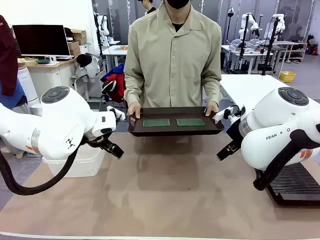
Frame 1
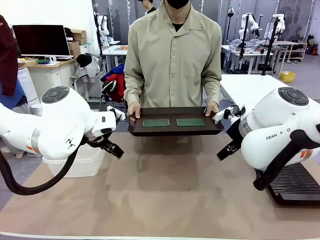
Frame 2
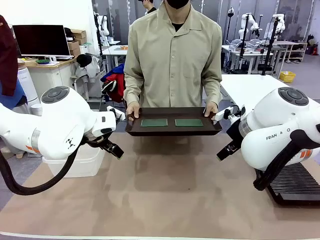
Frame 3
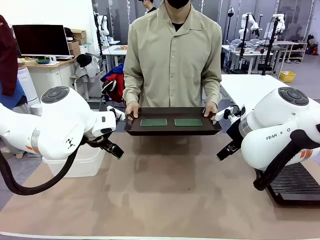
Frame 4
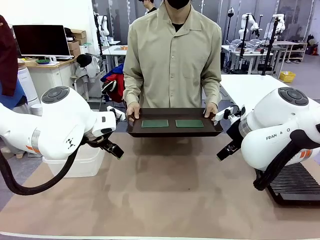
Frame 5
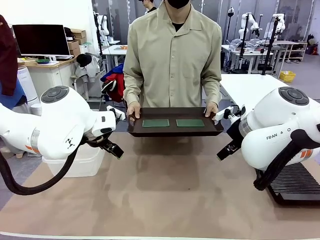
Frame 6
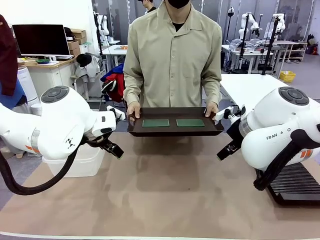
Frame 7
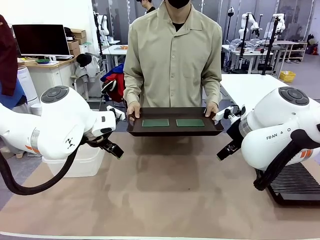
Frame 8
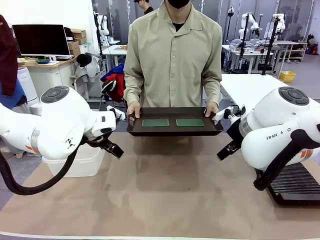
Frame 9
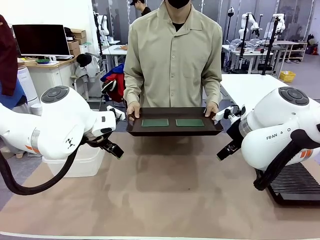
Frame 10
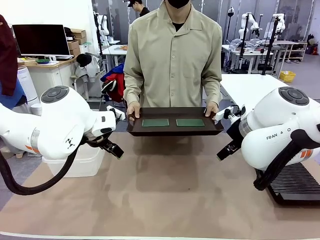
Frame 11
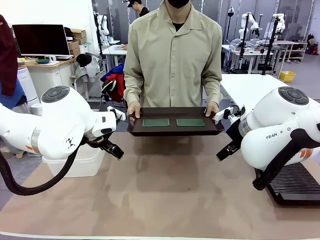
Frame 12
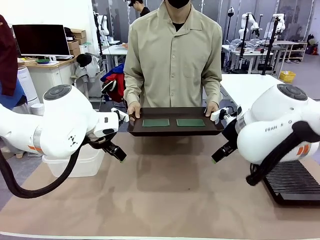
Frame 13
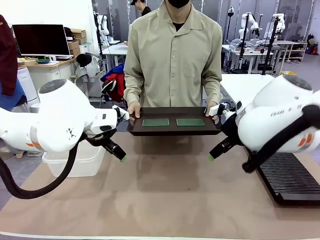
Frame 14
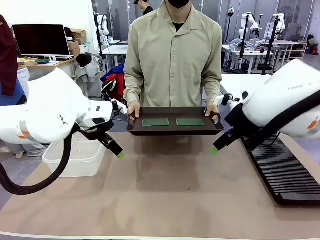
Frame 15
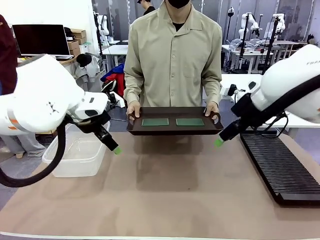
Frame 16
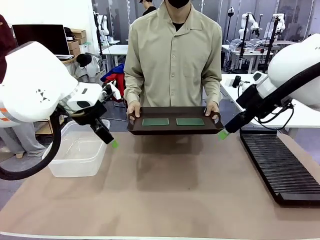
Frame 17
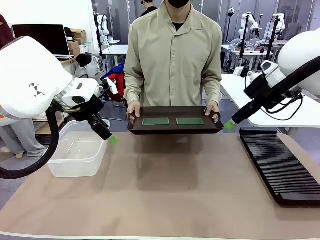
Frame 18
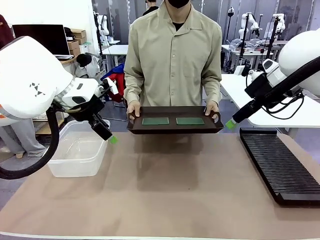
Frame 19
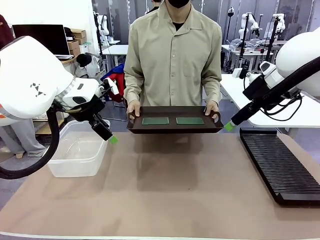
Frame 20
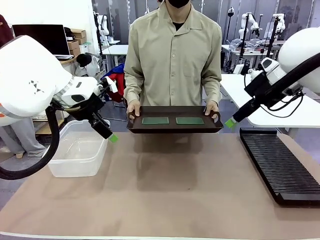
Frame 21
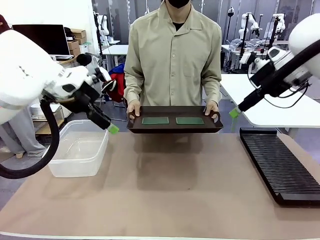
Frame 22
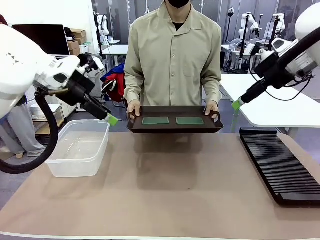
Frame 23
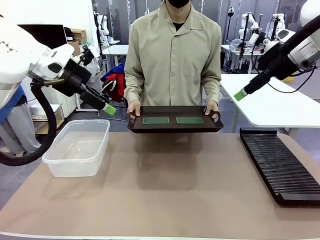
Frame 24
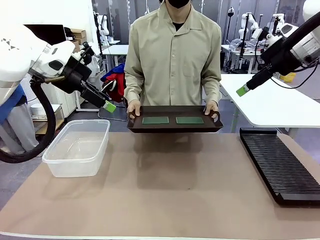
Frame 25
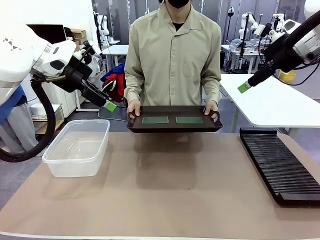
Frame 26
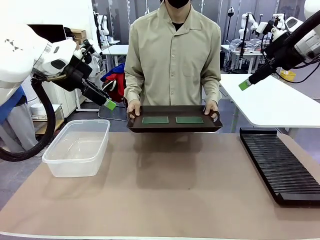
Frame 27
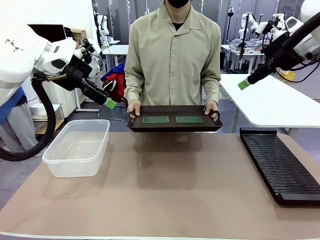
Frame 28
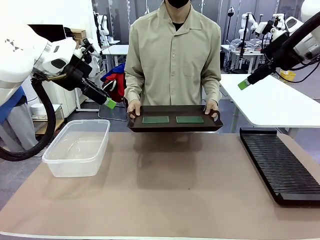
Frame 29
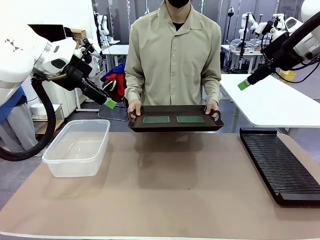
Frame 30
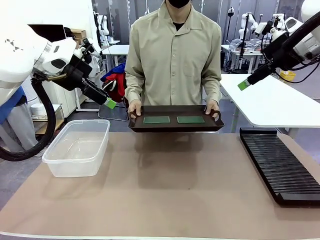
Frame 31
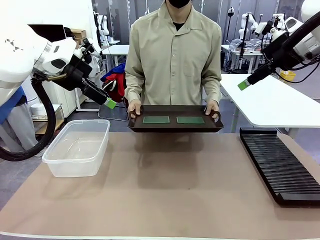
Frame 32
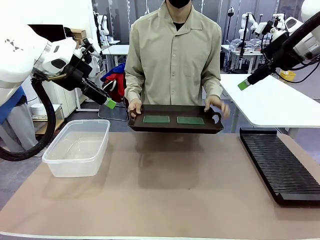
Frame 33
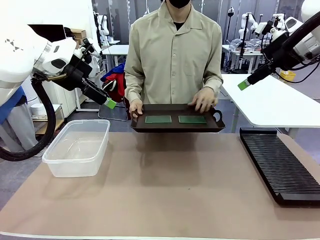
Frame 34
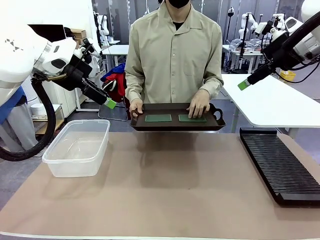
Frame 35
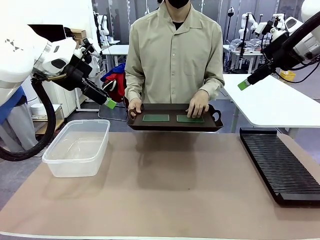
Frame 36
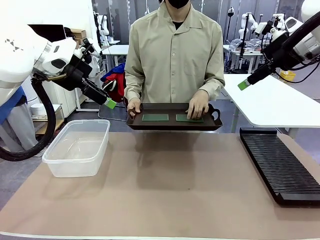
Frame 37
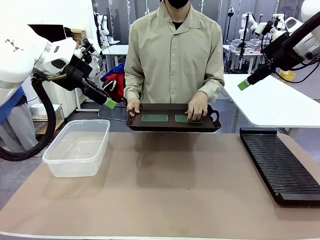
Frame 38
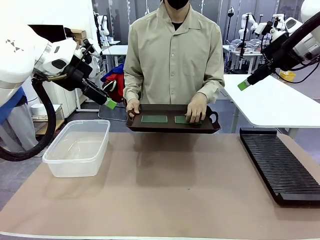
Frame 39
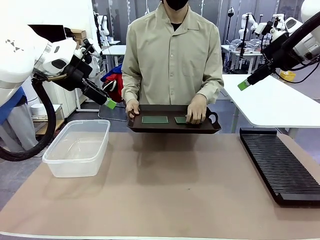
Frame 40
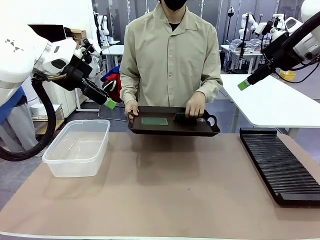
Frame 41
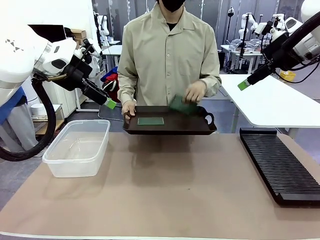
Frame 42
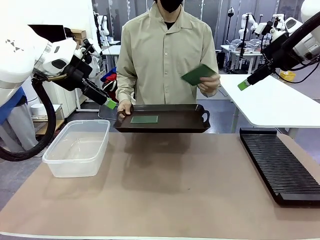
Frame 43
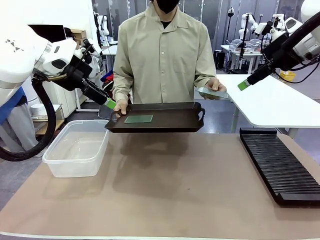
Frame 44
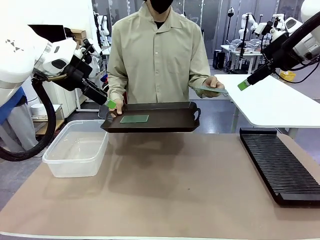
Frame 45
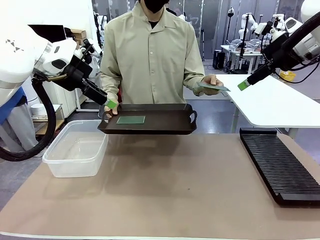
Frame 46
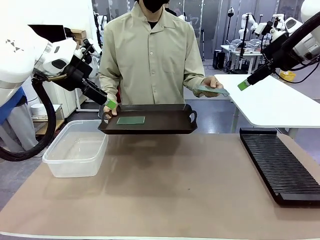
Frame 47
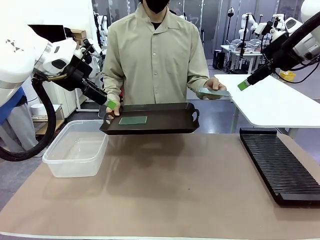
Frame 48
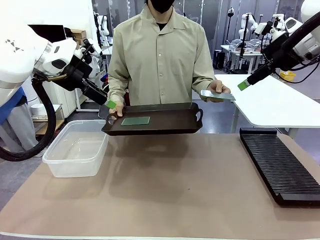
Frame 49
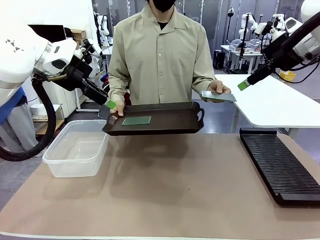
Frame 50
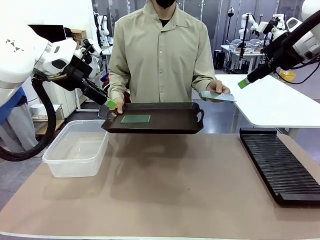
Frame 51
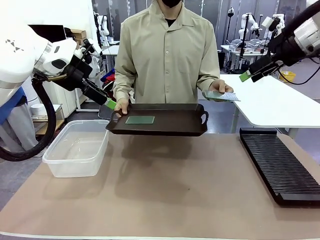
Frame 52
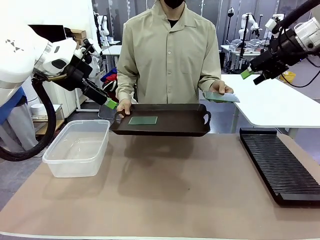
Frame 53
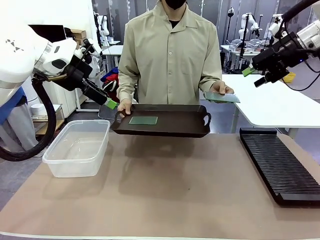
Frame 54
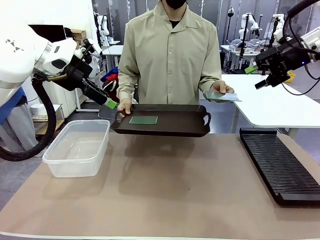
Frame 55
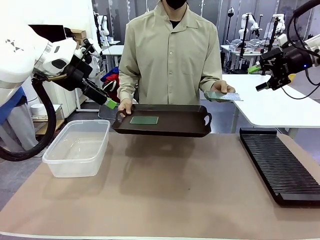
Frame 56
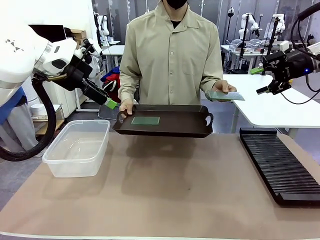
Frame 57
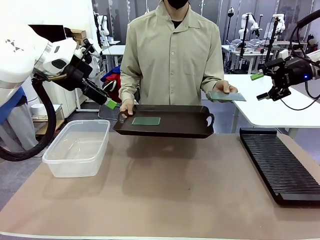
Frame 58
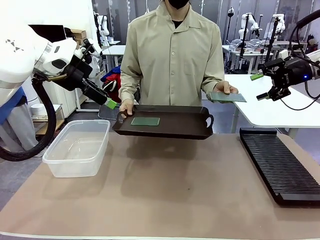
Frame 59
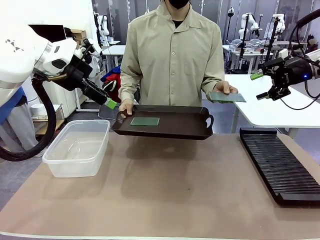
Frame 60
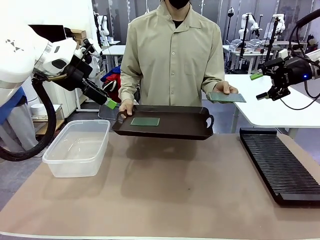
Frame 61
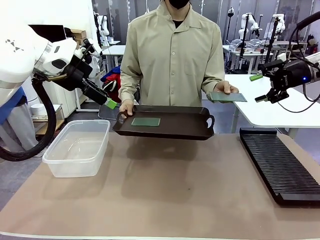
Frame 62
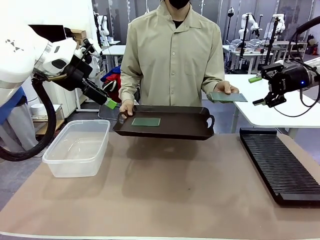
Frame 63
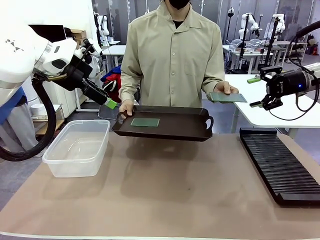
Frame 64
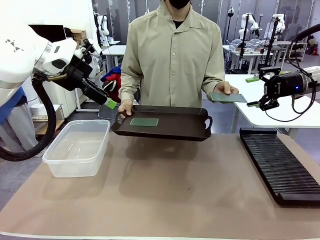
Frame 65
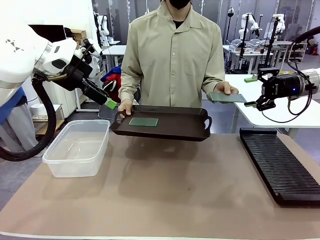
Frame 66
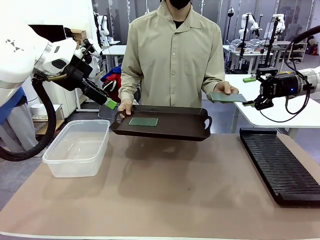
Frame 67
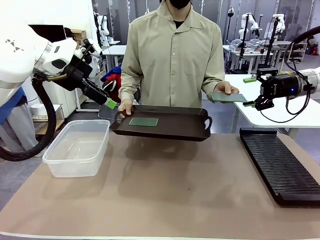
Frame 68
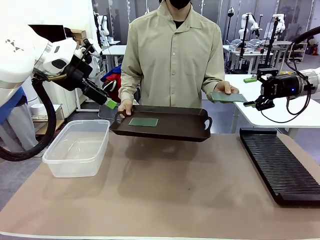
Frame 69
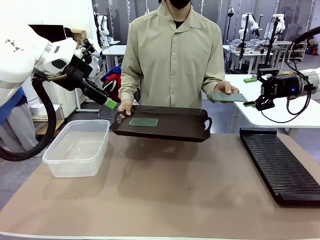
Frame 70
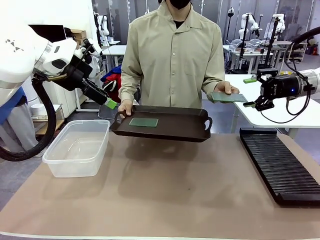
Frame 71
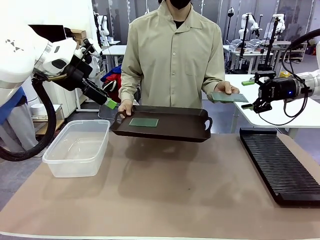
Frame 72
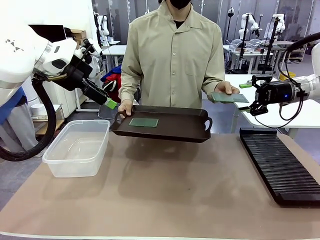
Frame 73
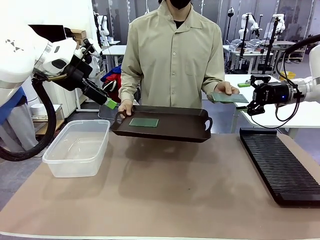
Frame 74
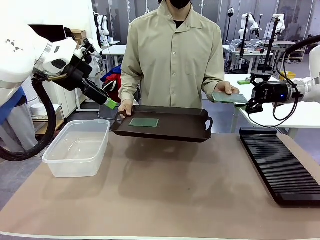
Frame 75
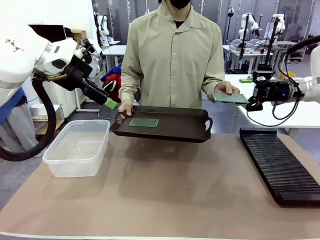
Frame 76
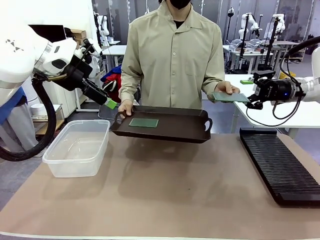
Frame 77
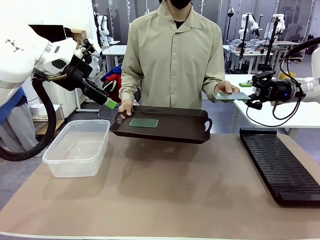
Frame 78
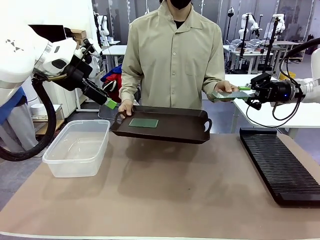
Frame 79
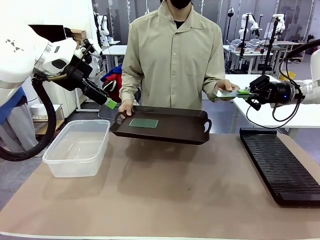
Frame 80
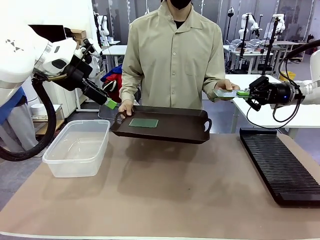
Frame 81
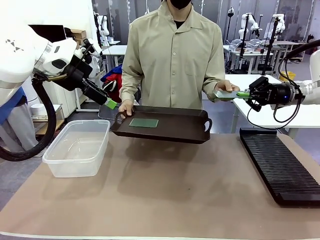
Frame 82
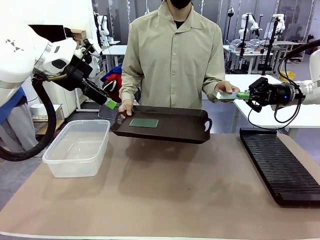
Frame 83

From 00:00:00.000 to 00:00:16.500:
Task: Sort PCBs into racks and boxes based on the side picked up.
Robot: Pick up the Blank PCB handed by the Human.
Person: Pick one PCB from the tray and present it to the robot. Release the PCB being held.
